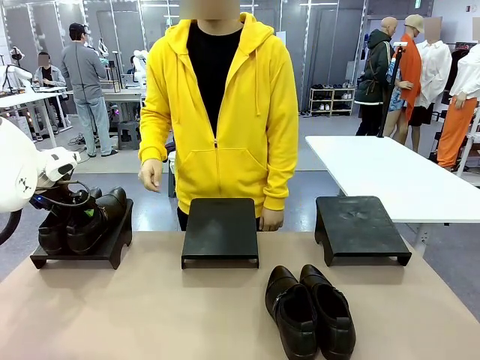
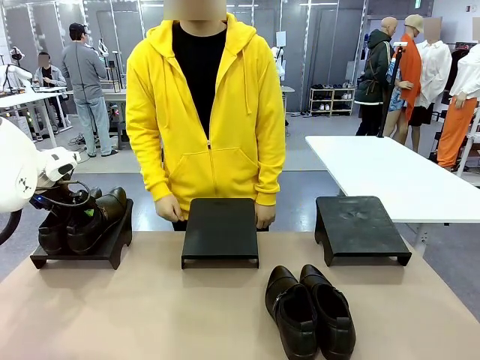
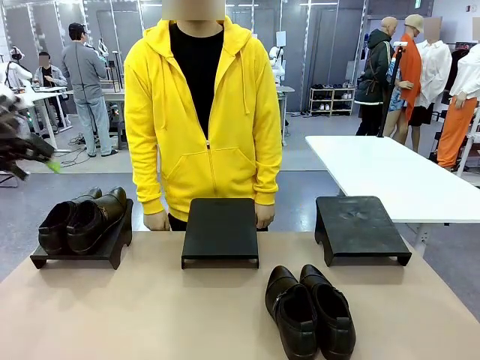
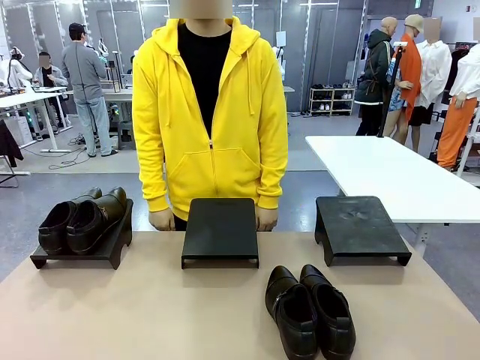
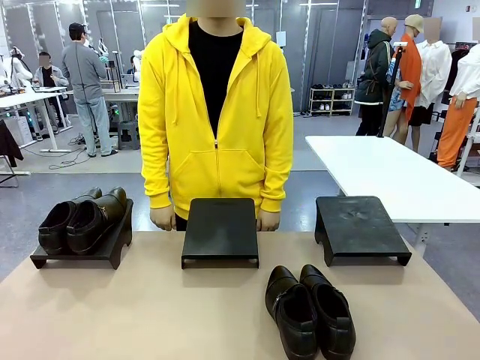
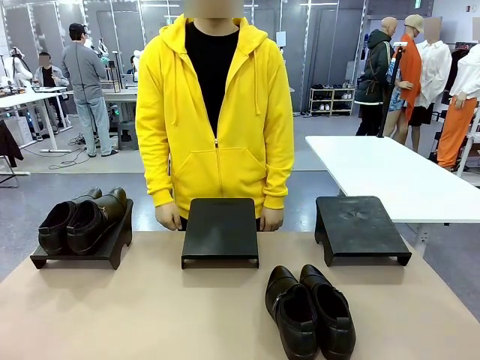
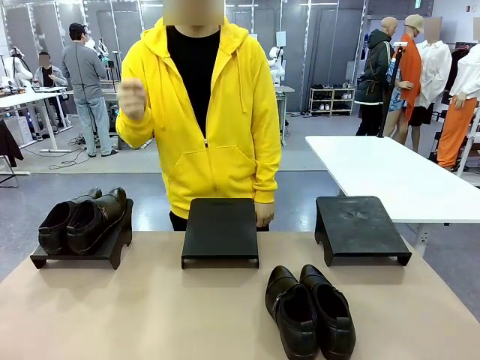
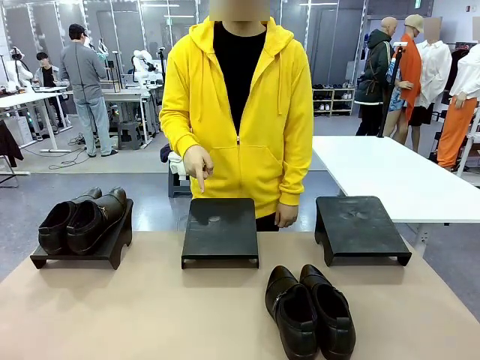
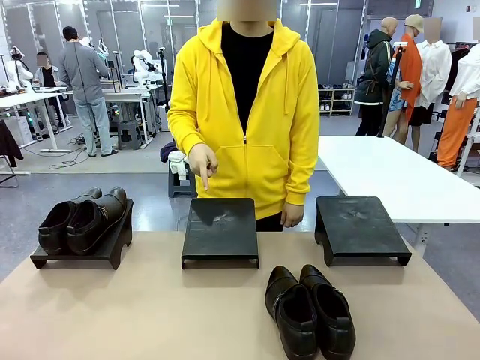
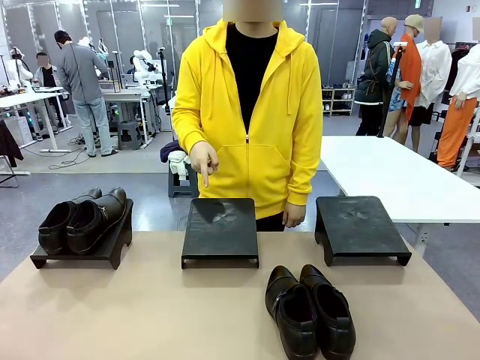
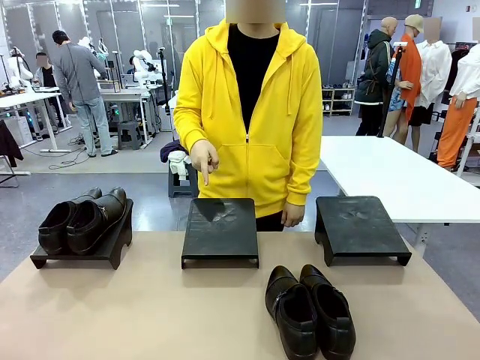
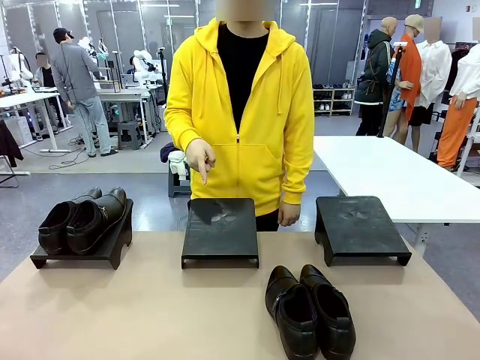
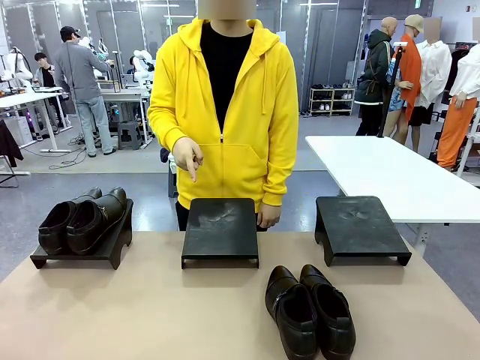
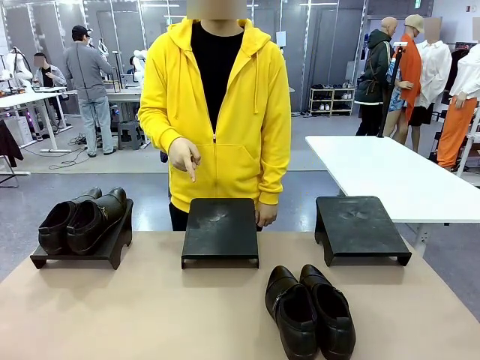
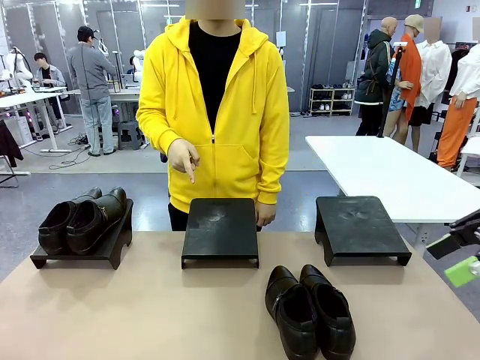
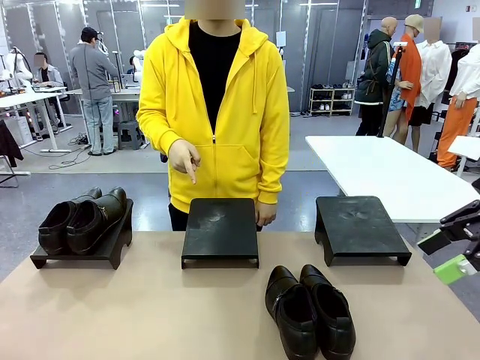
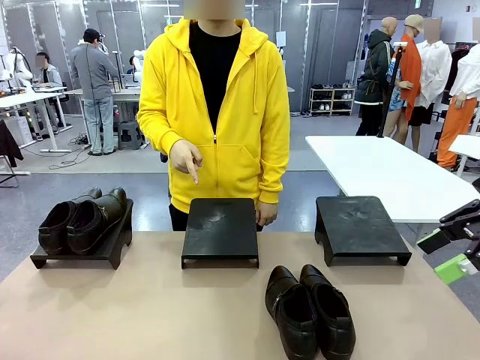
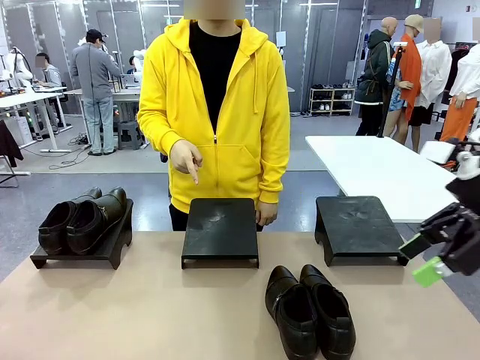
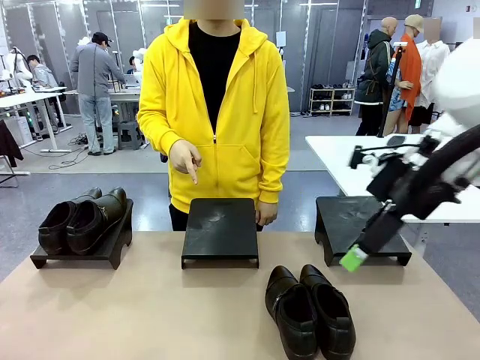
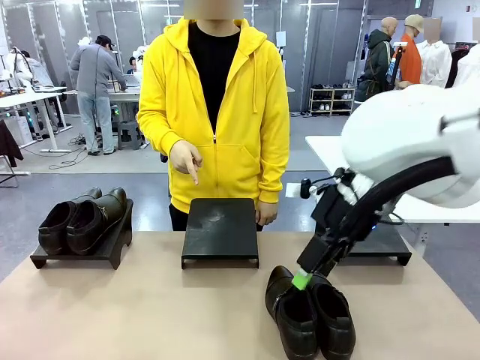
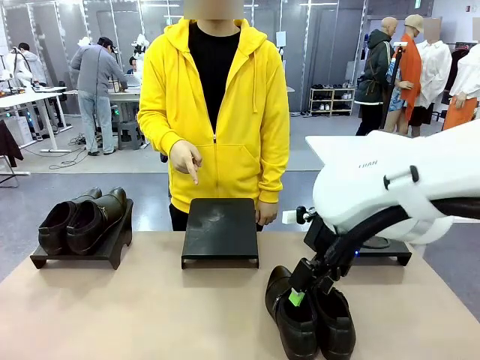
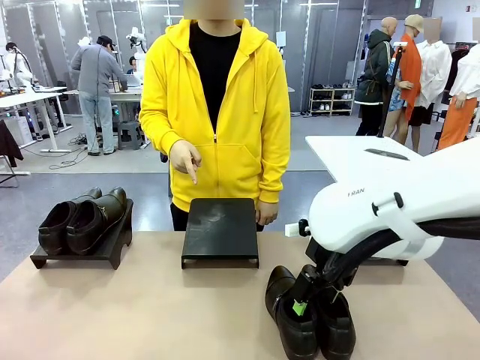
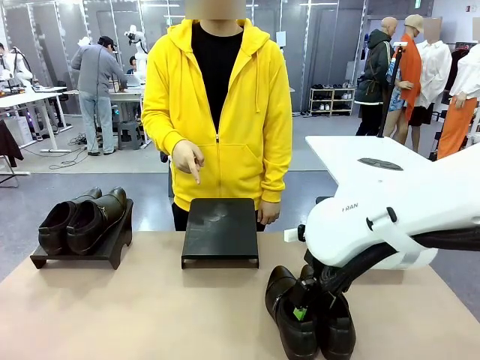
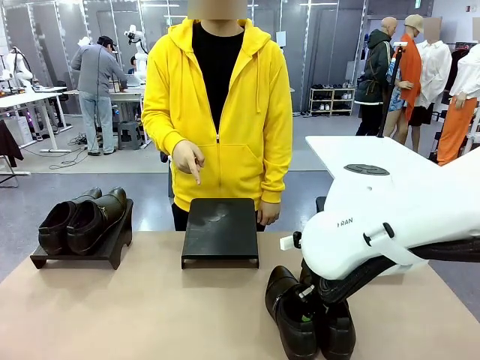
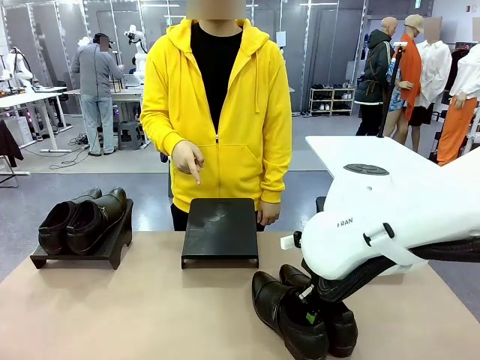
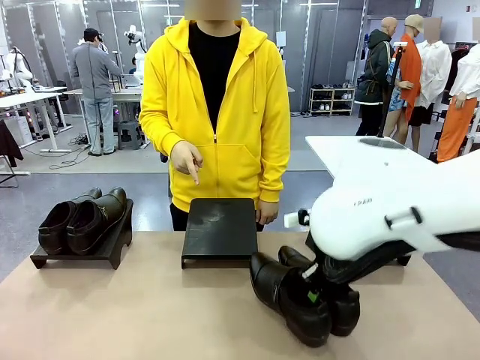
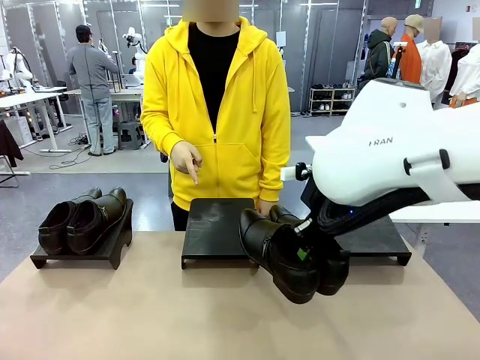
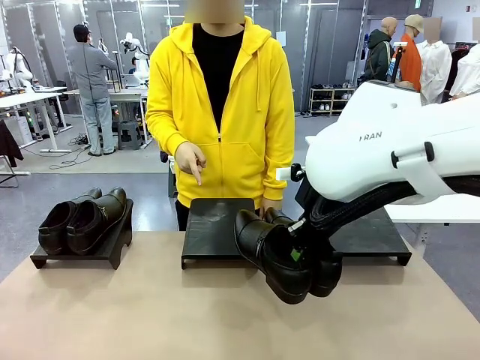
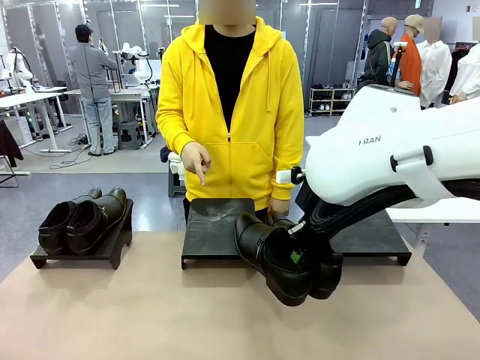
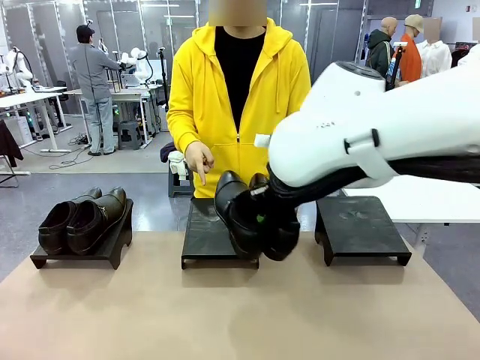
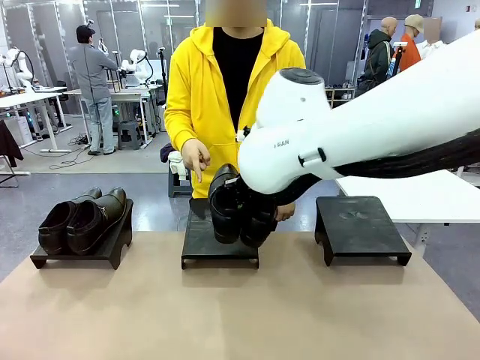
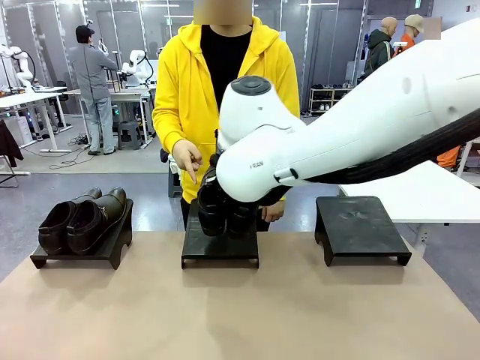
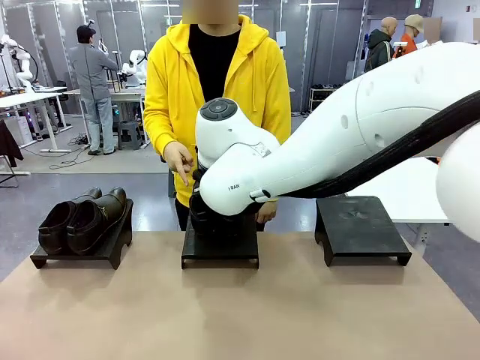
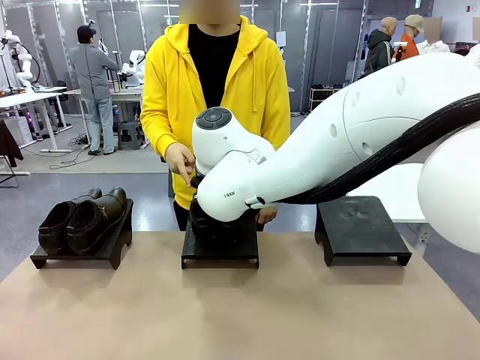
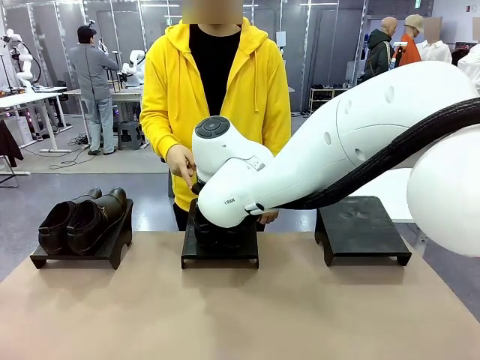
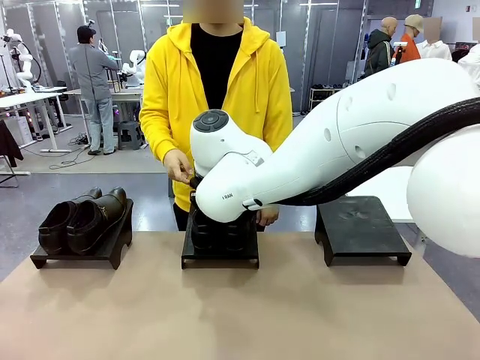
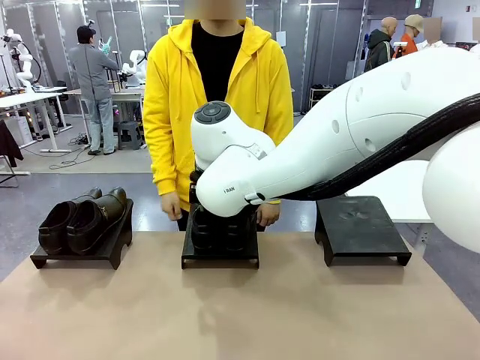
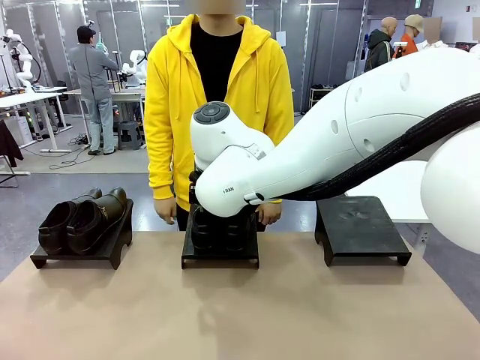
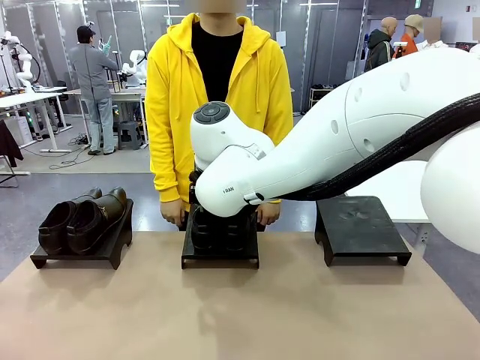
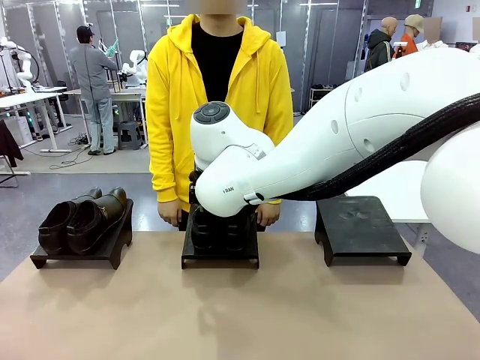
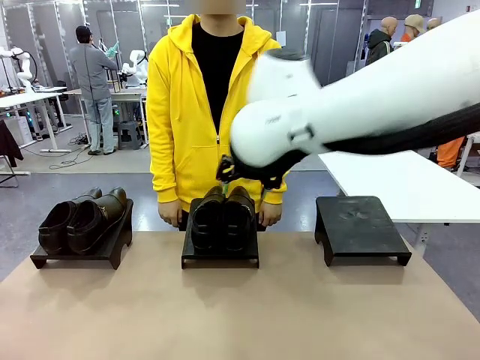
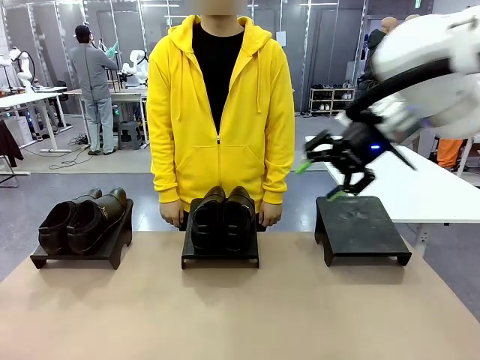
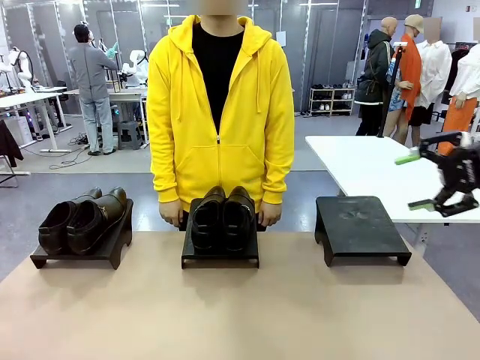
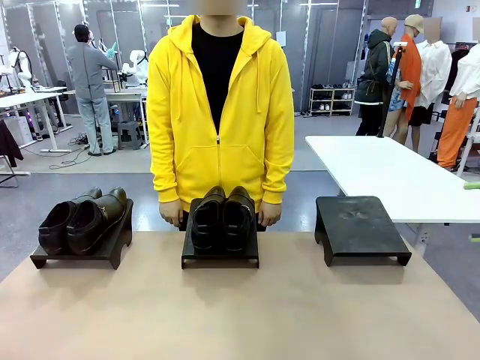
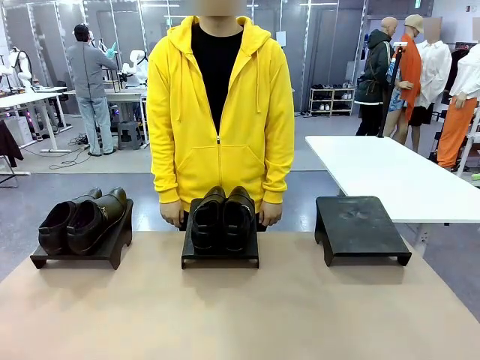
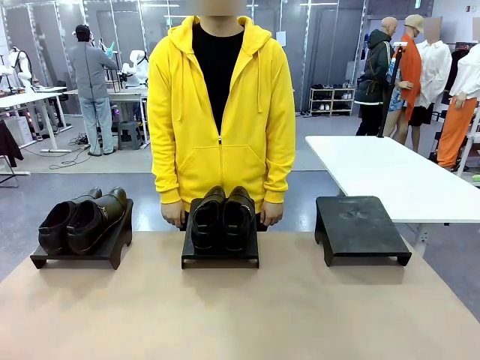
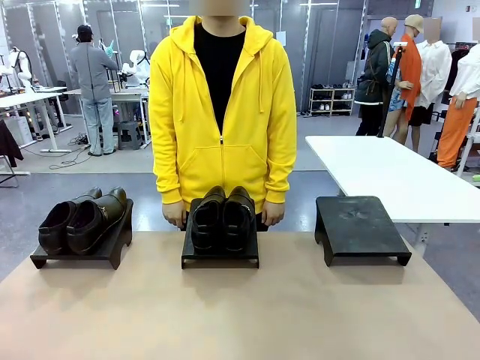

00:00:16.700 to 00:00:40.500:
Task: Place the shoes on the stand as instructed by the person.
Robot: Pick up another pair of Shoes and place it on the Shoes Stand indicated by the person.
Person: Point to one Shoes Stand.
